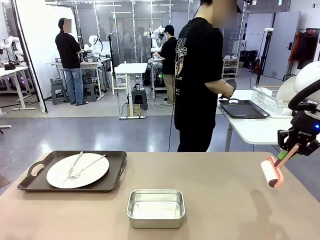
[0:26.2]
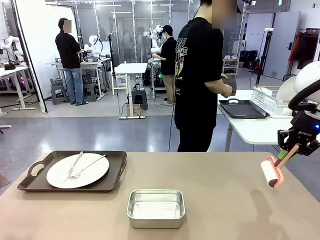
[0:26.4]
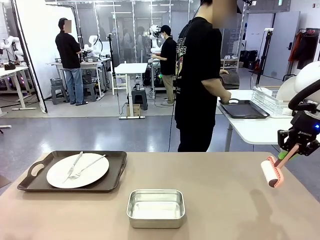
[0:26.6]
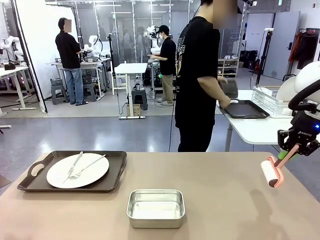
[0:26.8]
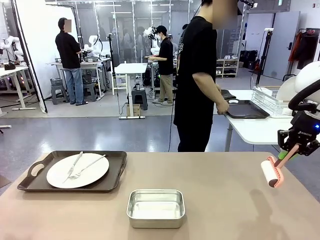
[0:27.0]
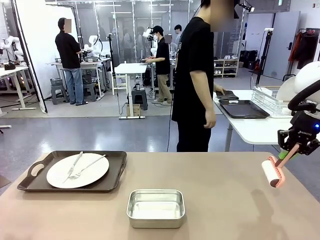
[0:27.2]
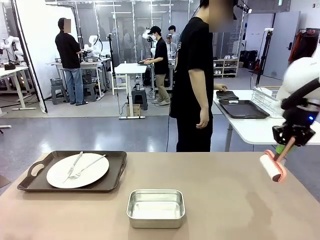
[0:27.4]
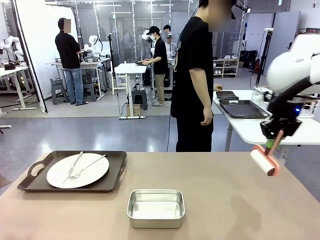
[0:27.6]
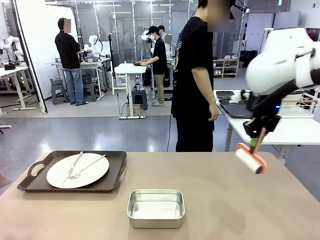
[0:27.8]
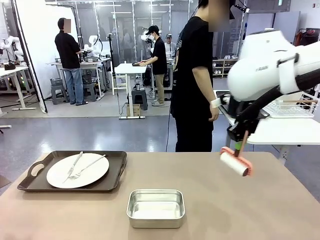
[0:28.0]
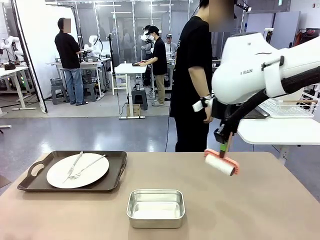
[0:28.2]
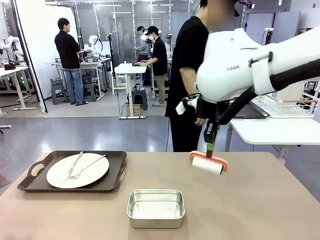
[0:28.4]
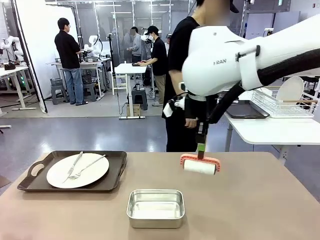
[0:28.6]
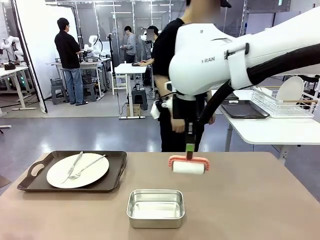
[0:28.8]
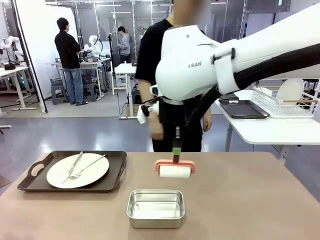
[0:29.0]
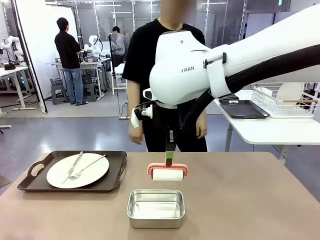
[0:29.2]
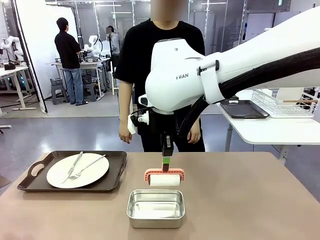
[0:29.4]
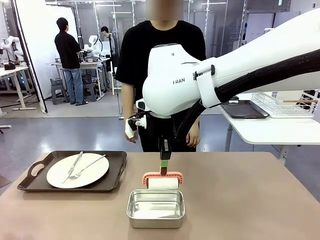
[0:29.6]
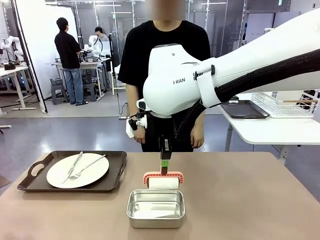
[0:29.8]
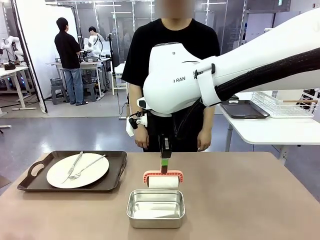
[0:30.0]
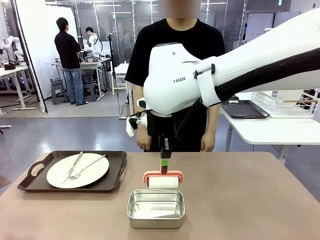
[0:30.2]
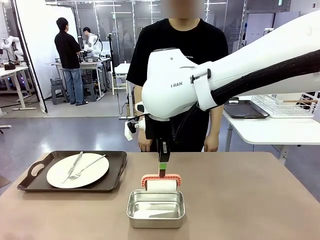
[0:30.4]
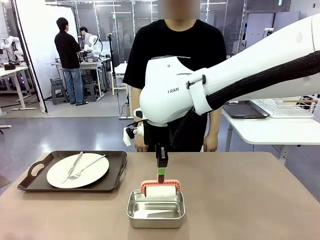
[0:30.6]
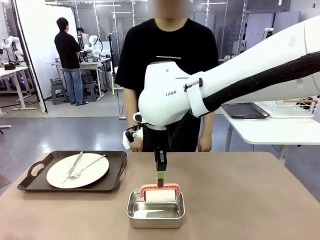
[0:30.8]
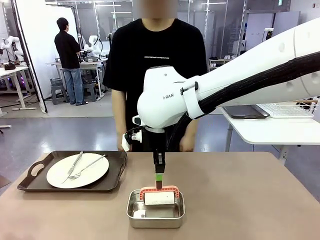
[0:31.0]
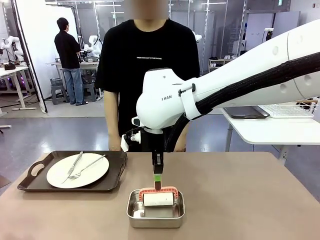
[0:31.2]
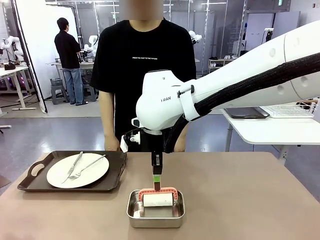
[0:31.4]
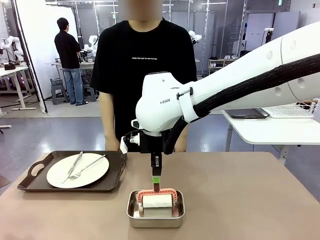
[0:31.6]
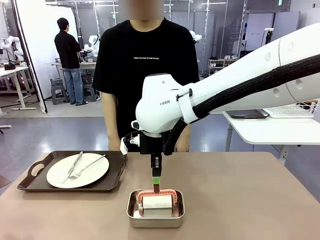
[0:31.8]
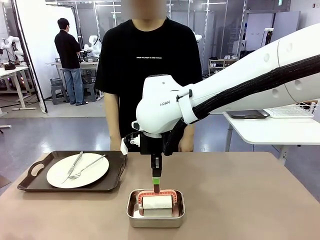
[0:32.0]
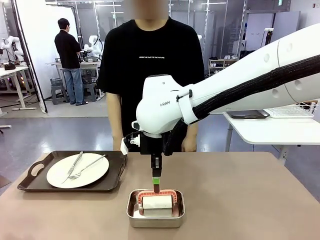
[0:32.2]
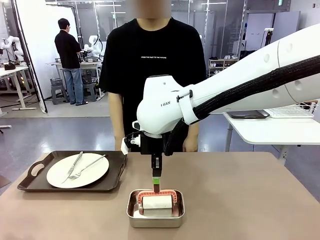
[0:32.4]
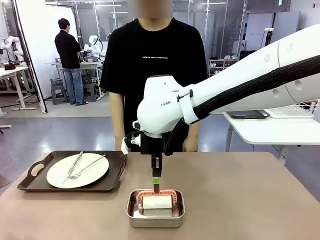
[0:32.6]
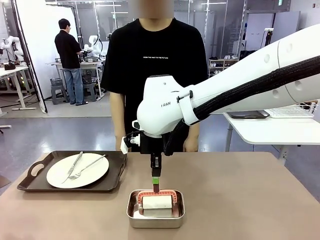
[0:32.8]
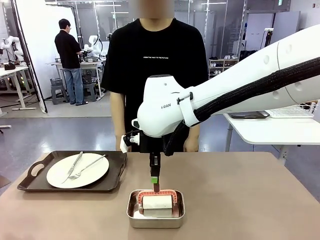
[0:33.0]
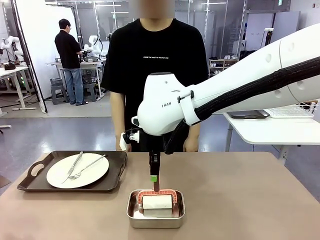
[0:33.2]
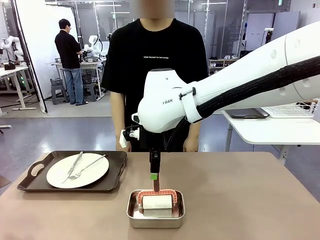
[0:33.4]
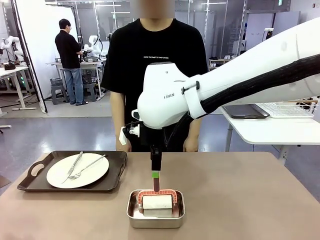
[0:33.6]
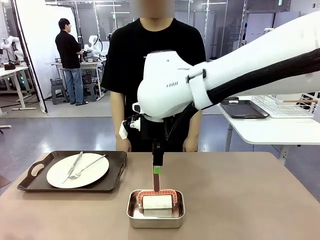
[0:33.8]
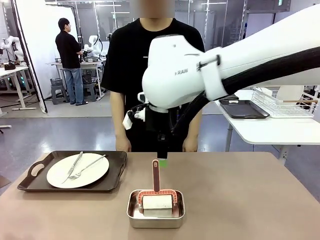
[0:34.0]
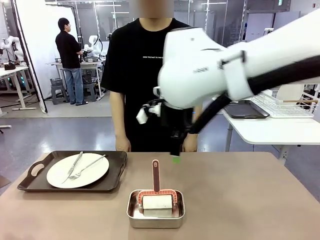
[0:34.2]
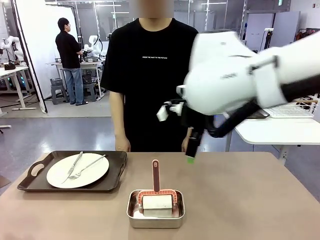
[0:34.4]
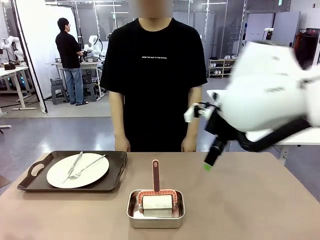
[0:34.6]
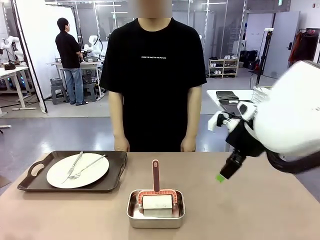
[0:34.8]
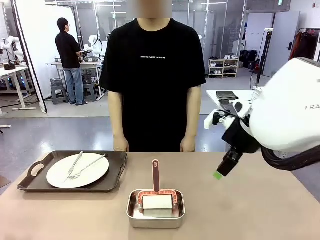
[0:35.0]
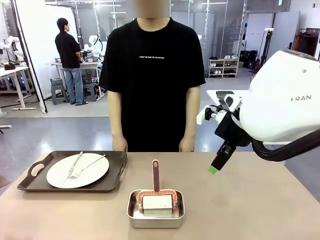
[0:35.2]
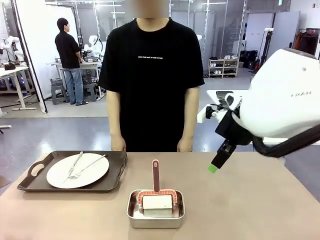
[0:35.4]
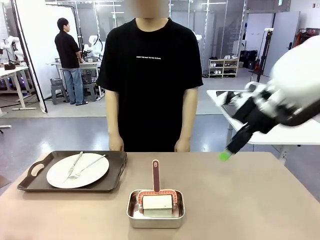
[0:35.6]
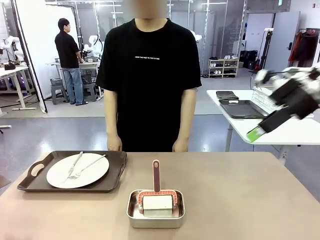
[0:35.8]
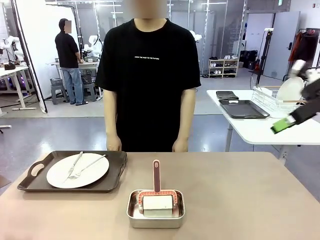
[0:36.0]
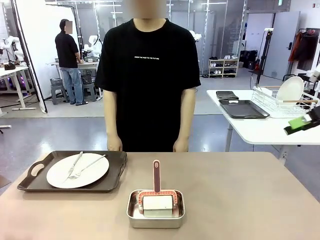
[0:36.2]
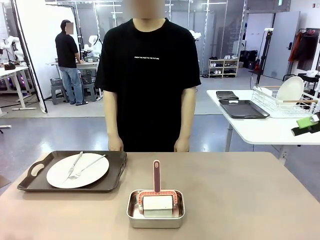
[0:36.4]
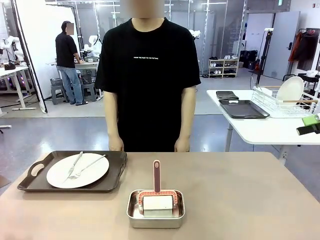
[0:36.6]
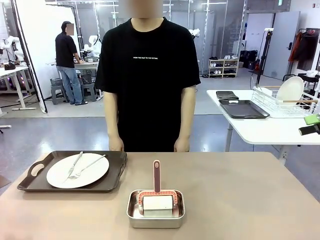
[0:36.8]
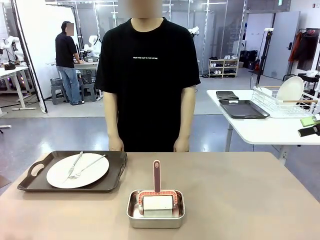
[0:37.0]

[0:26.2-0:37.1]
Robot: Place the Lint Roller back on top of the Airtight Container.
Person: Pick up the left (or right) Handle tray and place it on the Handle tray.

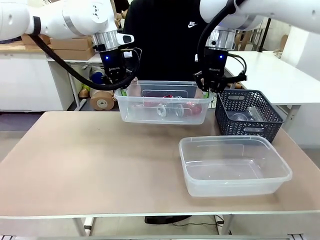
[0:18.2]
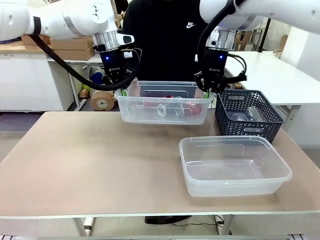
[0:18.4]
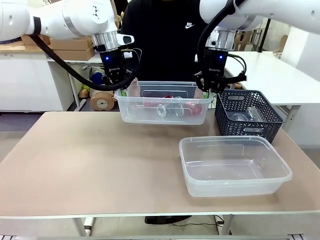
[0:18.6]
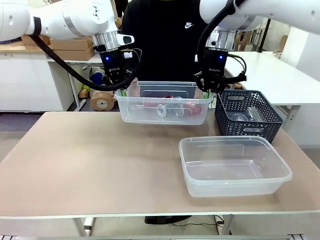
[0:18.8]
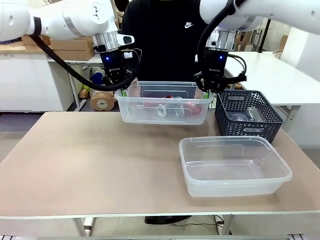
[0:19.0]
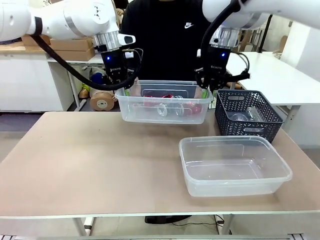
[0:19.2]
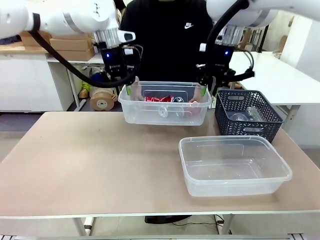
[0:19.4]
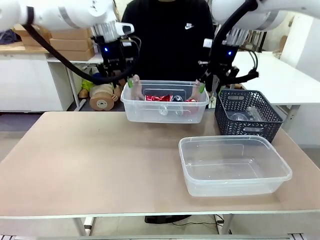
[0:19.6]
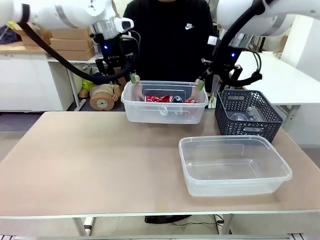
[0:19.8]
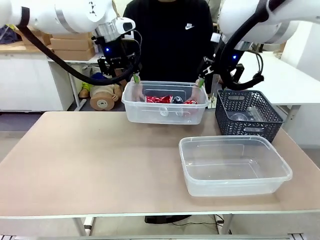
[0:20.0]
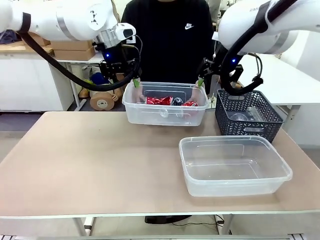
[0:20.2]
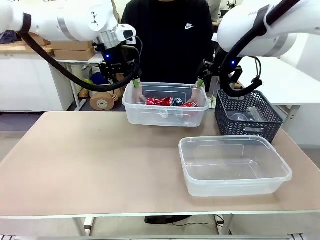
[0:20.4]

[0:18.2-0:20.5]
Robot: Release the Organizing box you were holding.

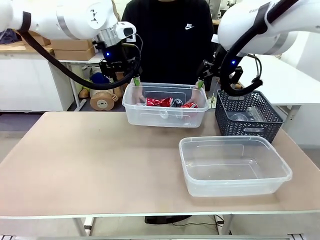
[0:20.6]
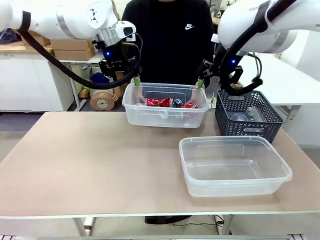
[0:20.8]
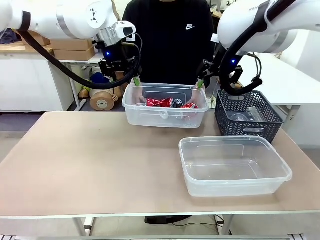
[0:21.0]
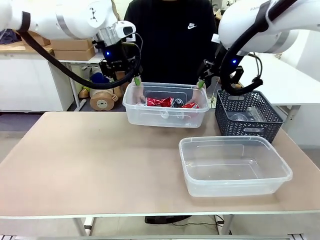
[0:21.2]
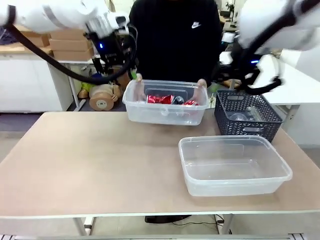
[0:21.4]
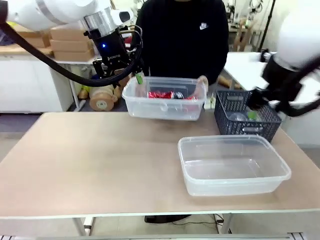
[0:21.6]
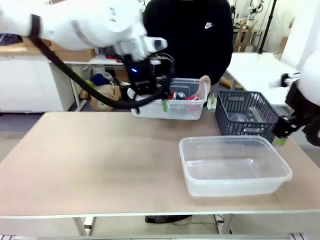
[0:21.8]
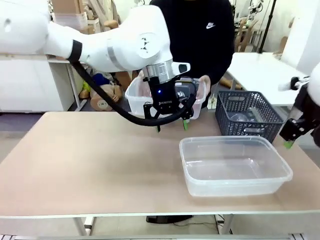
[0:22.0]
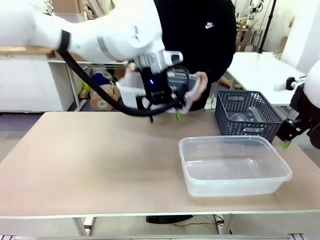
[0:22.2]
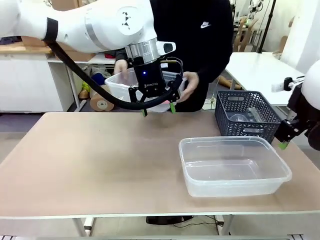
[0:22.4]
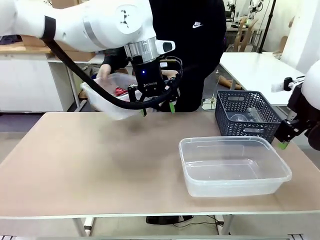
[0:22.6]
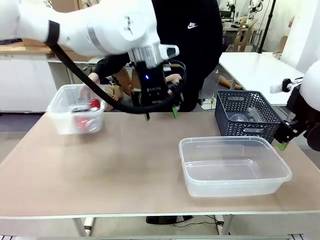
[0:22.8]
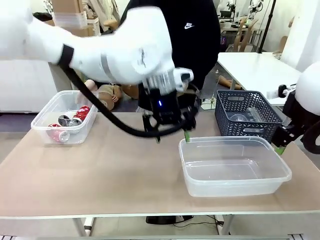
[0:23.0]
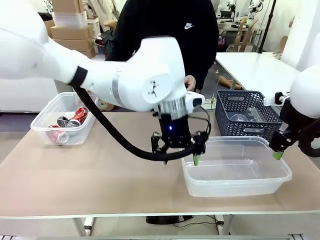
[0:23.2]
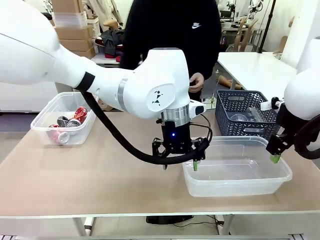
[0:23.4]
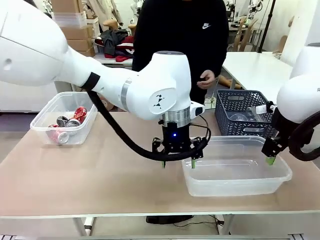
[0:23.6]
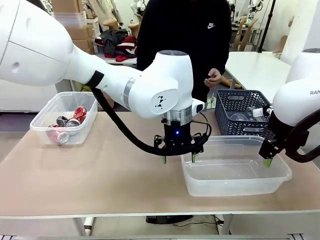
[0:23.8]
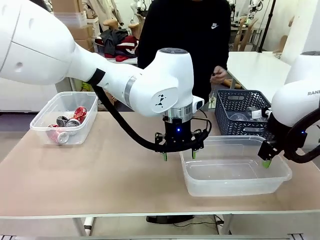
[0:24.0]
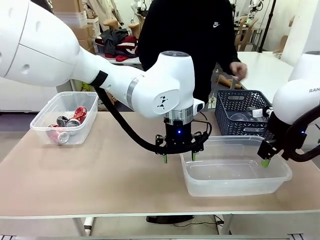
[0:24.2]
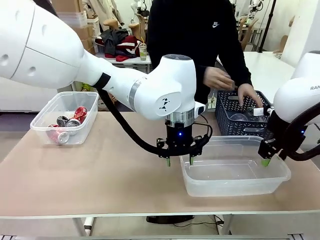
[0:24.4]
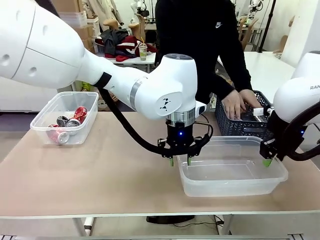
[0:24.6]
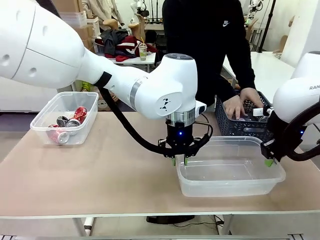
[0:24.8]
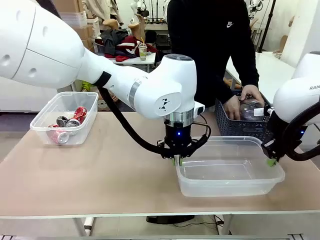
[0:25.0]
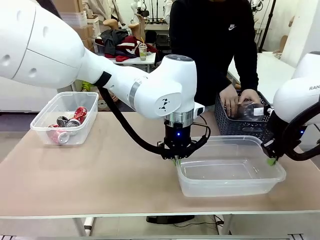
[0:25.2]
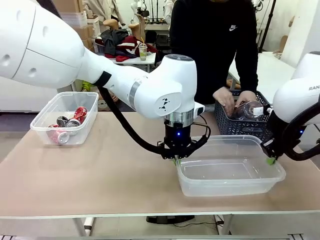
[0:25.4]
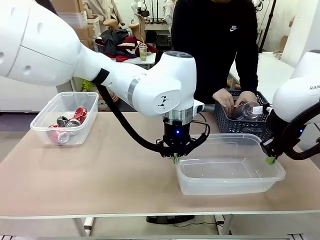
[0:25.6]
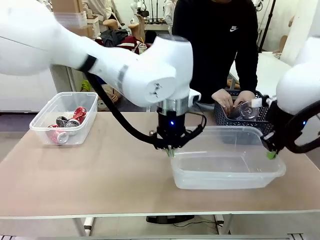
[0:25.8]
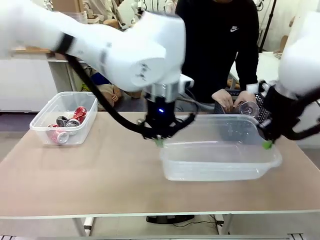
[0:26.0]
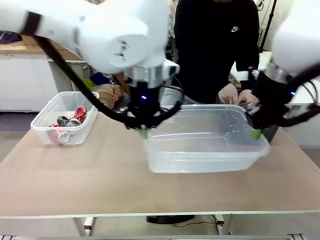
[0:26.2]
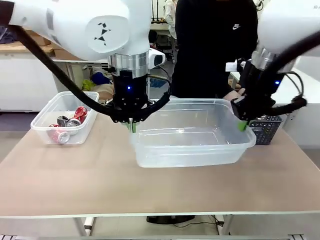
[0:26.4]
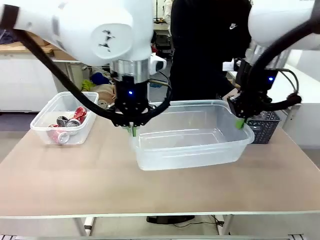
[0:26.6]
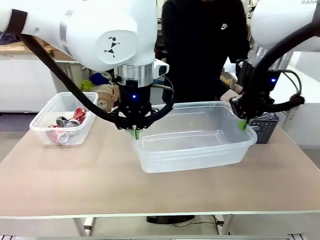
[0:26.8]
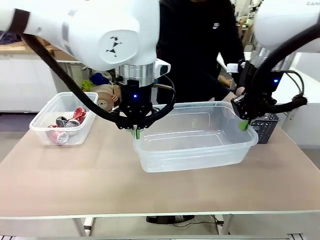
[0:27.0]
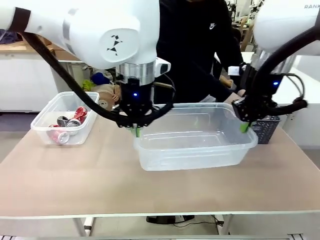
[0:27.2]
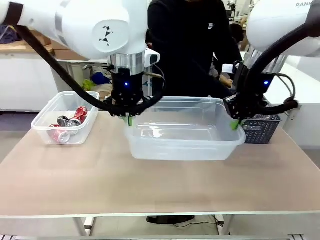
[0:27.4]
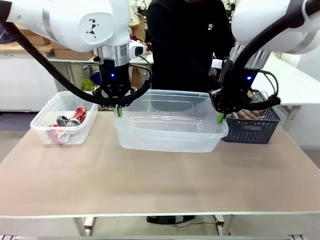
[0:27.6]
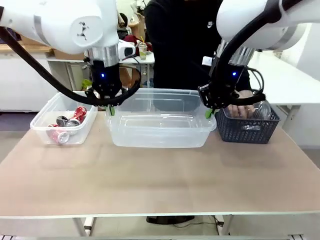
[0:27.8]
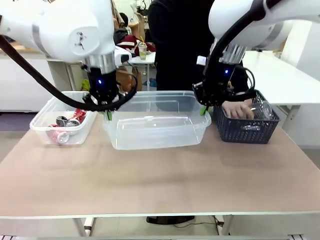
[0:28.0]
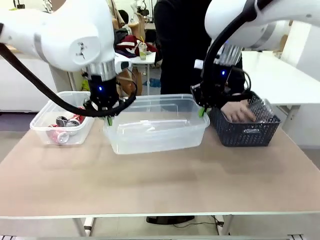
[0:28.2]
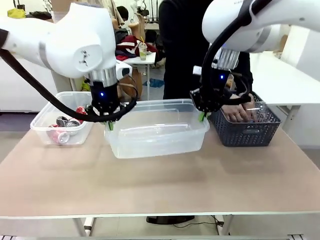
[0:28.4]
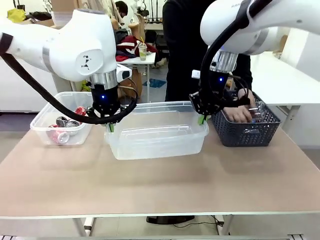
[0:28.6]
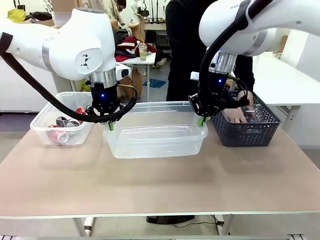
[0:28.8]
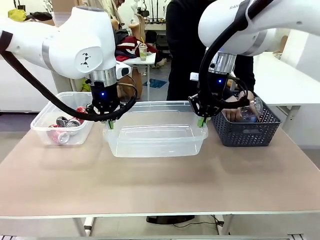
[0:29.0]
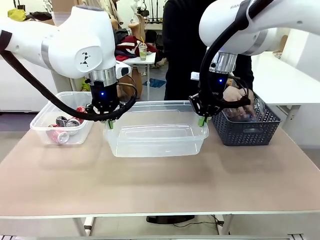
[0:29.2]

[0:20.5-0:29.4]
Robot: Pick up the Organizing box on the right side of the table and lift it.
Person: Place it at the edge of the bottom right area of the robot table. Pick up plastic waste one by one and place it into the organizing box lifted by the robot.
